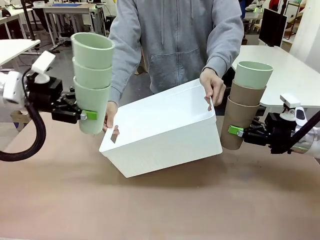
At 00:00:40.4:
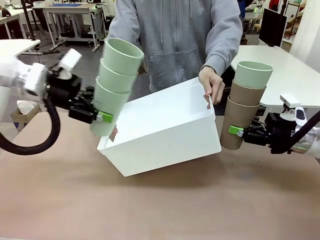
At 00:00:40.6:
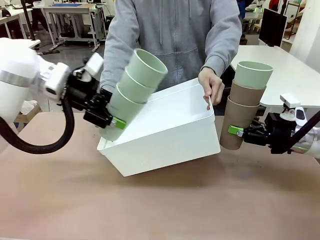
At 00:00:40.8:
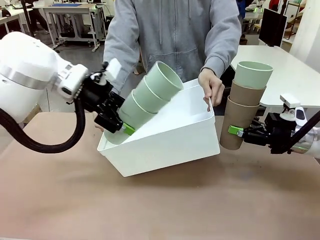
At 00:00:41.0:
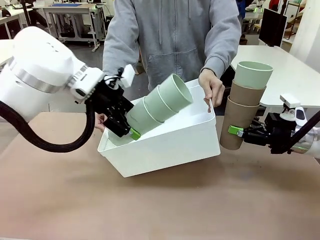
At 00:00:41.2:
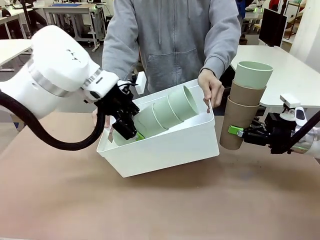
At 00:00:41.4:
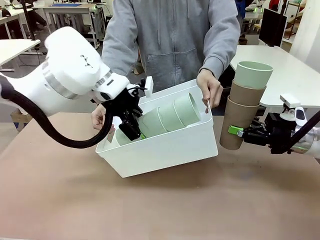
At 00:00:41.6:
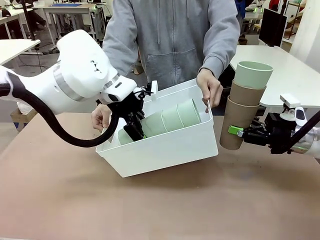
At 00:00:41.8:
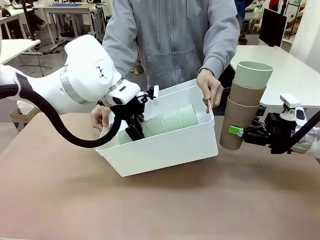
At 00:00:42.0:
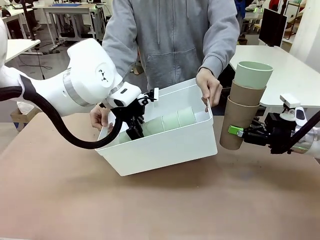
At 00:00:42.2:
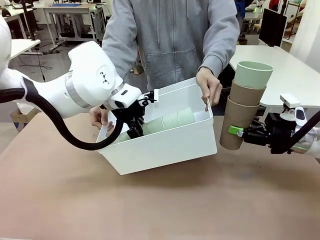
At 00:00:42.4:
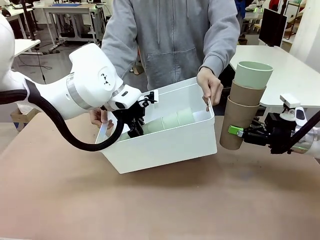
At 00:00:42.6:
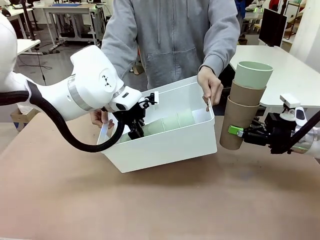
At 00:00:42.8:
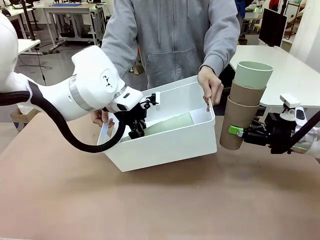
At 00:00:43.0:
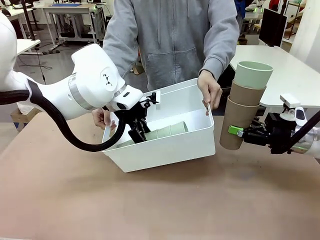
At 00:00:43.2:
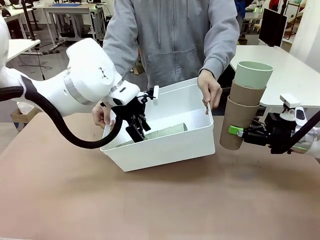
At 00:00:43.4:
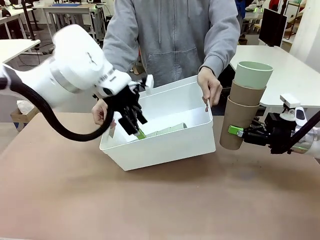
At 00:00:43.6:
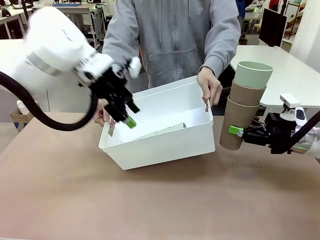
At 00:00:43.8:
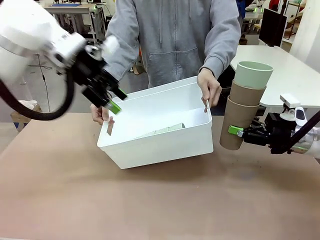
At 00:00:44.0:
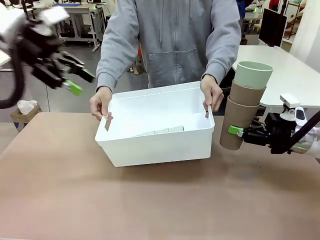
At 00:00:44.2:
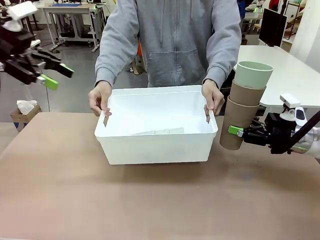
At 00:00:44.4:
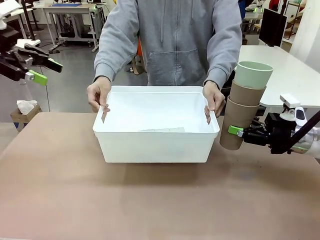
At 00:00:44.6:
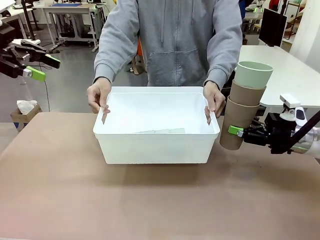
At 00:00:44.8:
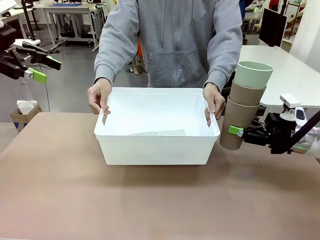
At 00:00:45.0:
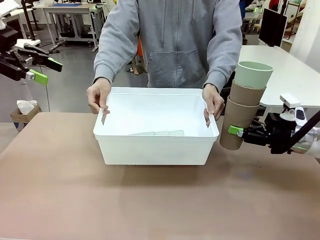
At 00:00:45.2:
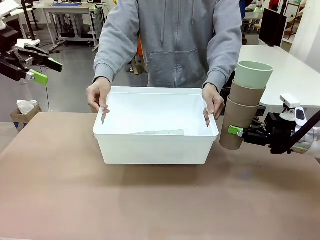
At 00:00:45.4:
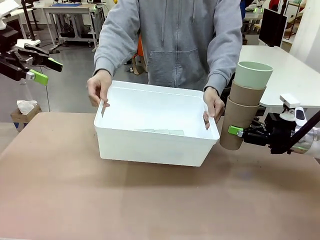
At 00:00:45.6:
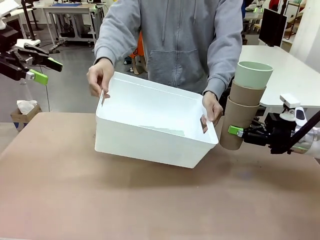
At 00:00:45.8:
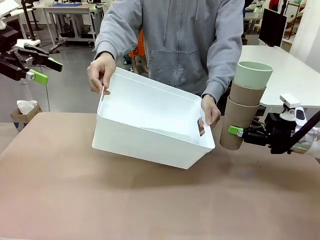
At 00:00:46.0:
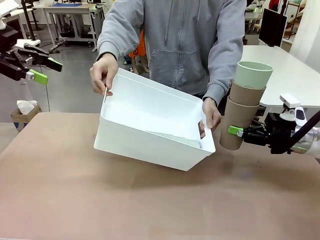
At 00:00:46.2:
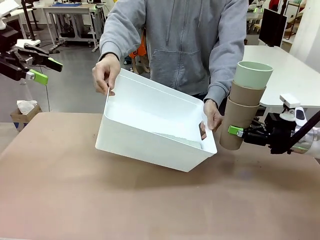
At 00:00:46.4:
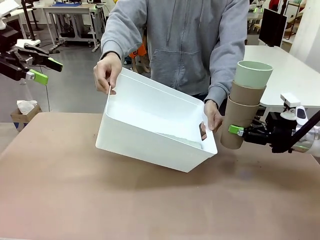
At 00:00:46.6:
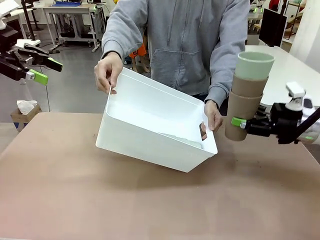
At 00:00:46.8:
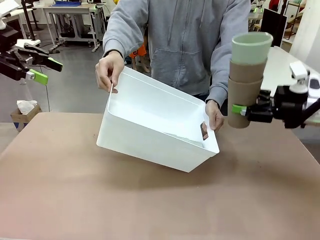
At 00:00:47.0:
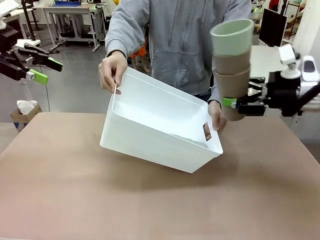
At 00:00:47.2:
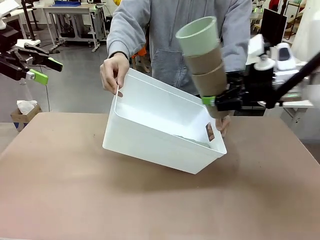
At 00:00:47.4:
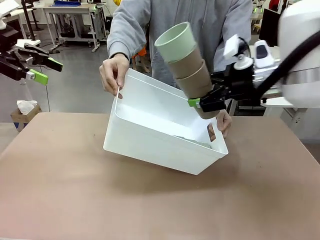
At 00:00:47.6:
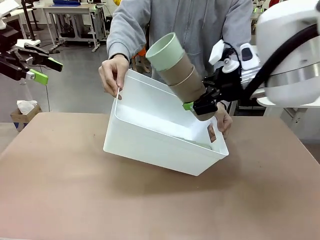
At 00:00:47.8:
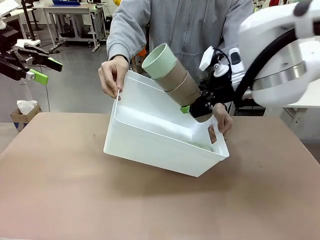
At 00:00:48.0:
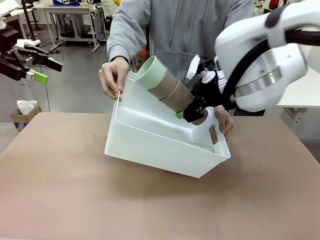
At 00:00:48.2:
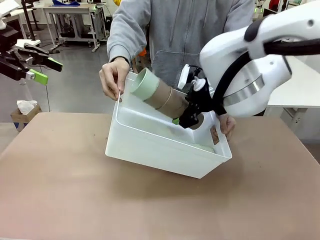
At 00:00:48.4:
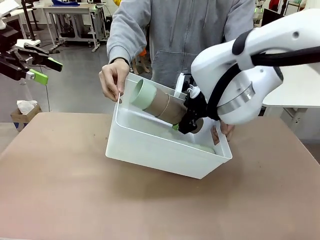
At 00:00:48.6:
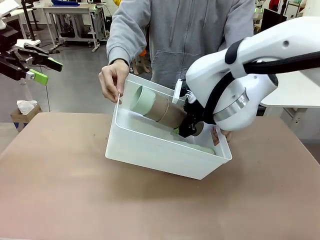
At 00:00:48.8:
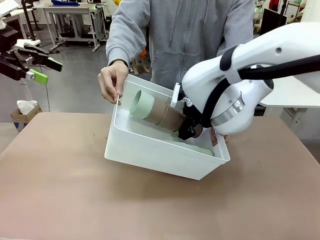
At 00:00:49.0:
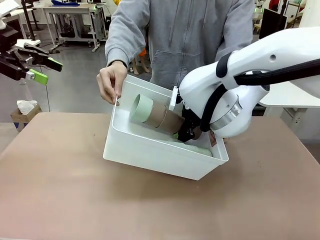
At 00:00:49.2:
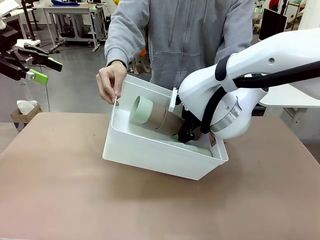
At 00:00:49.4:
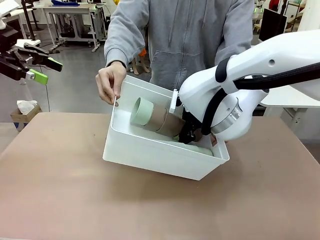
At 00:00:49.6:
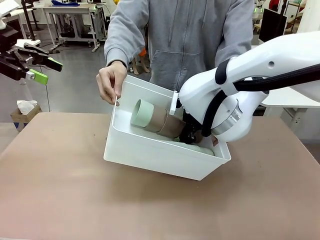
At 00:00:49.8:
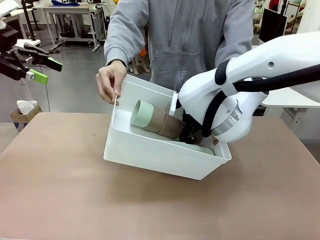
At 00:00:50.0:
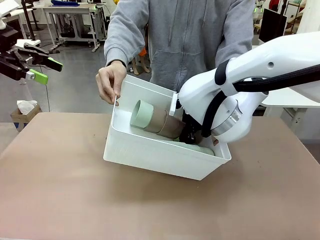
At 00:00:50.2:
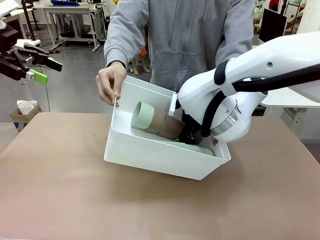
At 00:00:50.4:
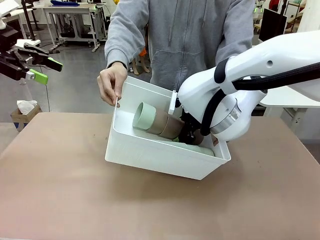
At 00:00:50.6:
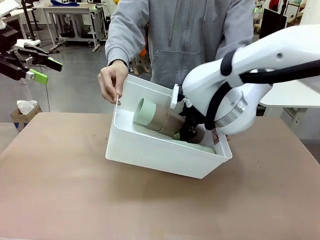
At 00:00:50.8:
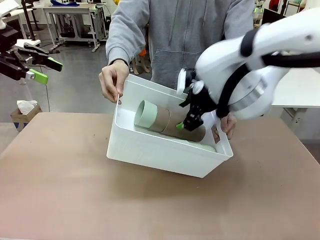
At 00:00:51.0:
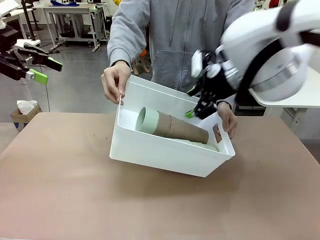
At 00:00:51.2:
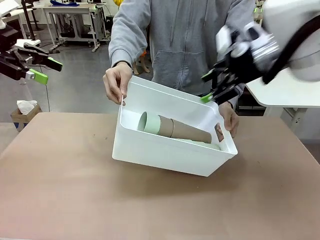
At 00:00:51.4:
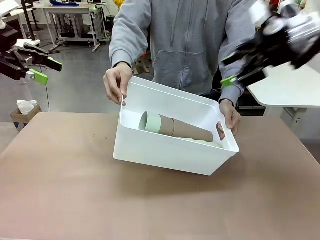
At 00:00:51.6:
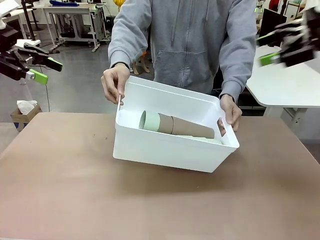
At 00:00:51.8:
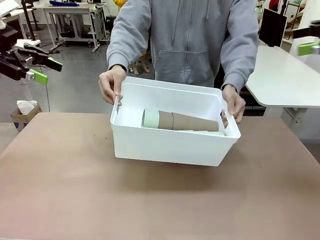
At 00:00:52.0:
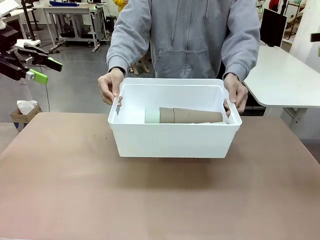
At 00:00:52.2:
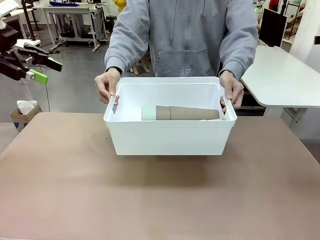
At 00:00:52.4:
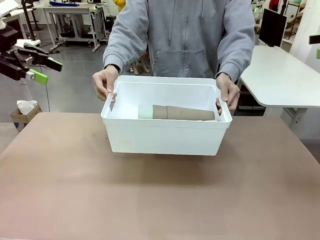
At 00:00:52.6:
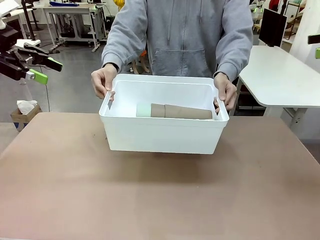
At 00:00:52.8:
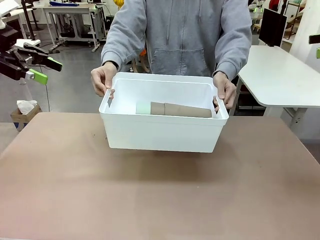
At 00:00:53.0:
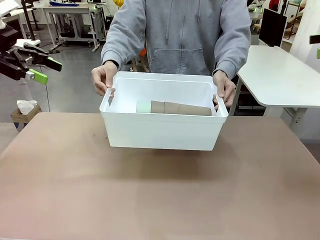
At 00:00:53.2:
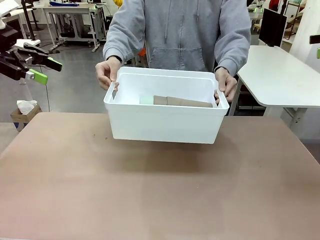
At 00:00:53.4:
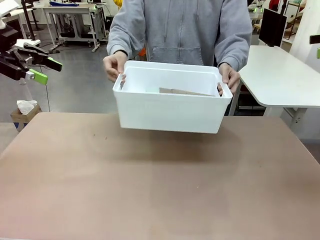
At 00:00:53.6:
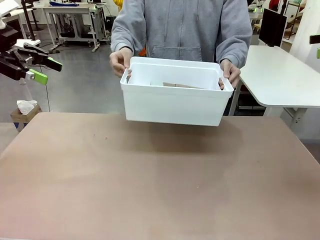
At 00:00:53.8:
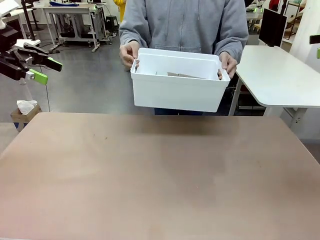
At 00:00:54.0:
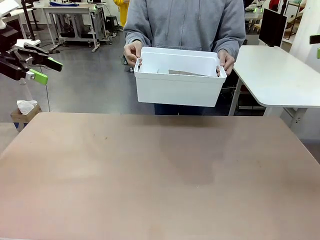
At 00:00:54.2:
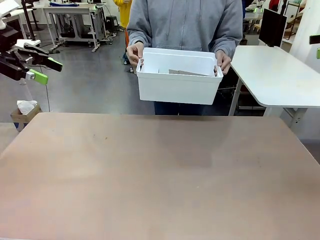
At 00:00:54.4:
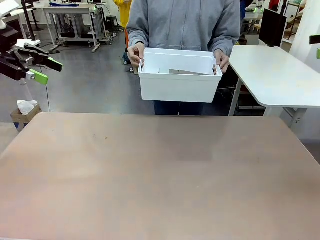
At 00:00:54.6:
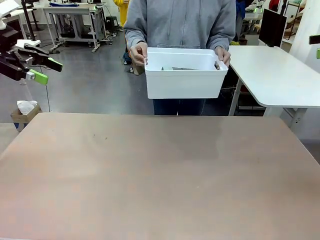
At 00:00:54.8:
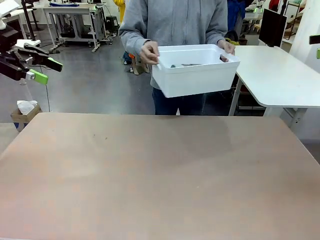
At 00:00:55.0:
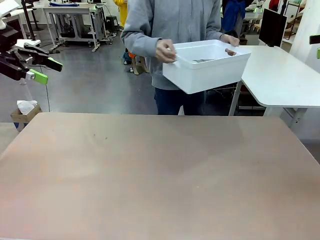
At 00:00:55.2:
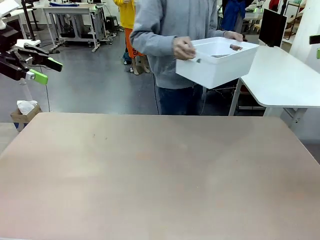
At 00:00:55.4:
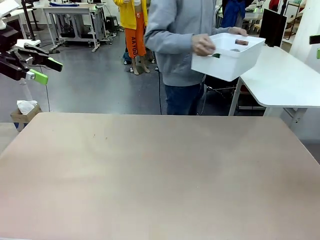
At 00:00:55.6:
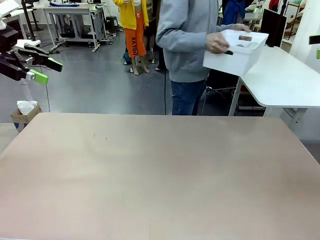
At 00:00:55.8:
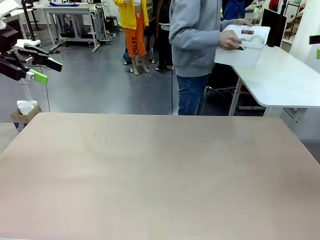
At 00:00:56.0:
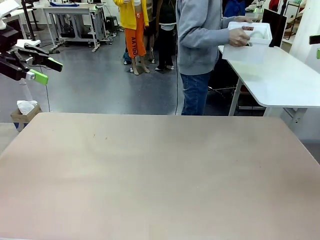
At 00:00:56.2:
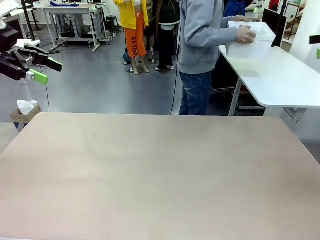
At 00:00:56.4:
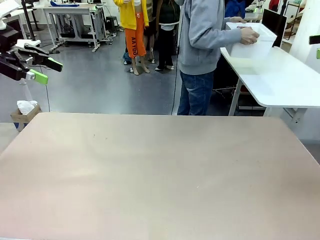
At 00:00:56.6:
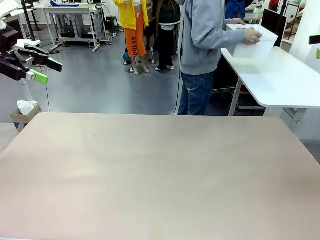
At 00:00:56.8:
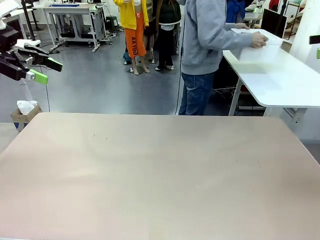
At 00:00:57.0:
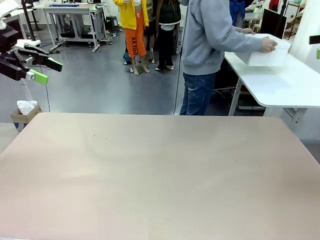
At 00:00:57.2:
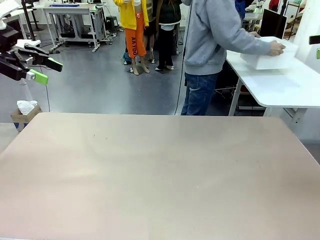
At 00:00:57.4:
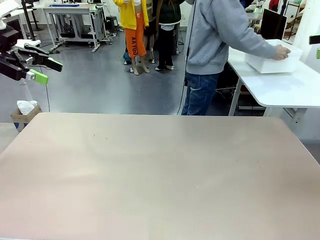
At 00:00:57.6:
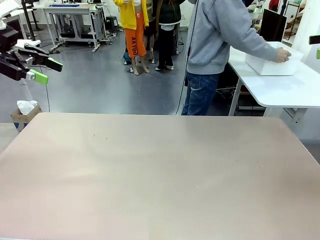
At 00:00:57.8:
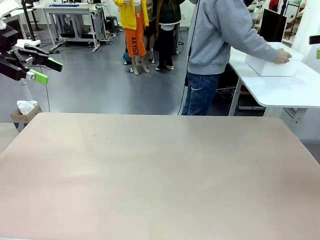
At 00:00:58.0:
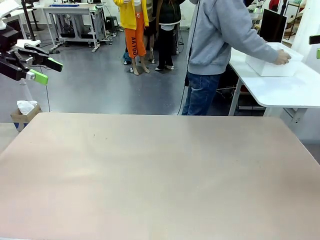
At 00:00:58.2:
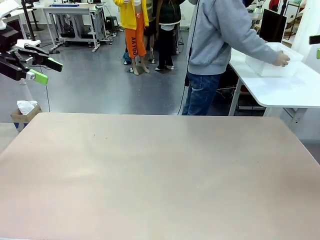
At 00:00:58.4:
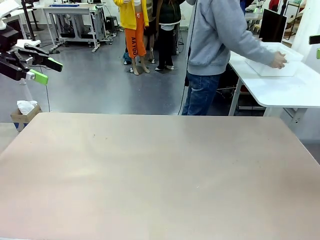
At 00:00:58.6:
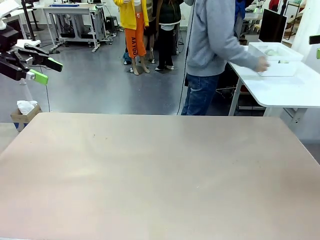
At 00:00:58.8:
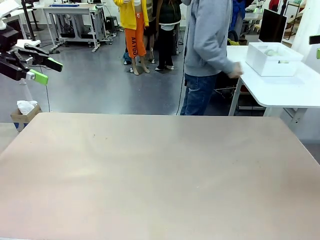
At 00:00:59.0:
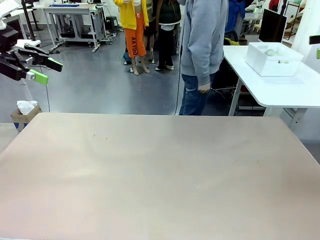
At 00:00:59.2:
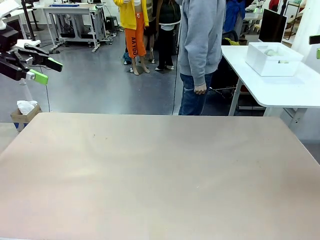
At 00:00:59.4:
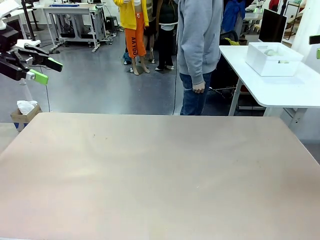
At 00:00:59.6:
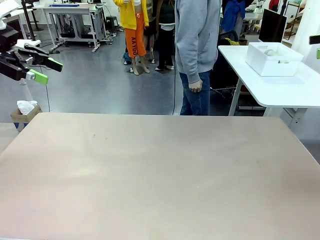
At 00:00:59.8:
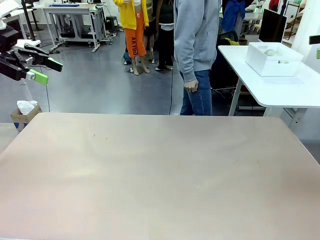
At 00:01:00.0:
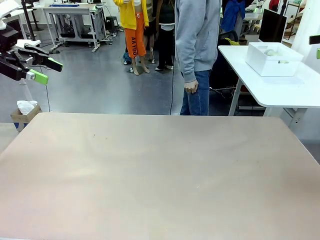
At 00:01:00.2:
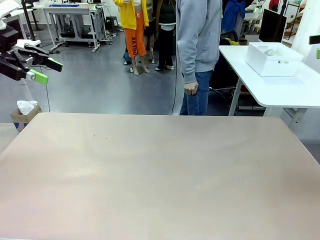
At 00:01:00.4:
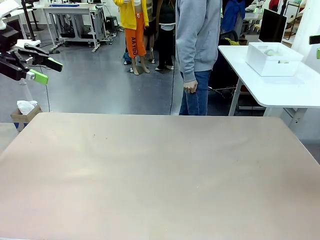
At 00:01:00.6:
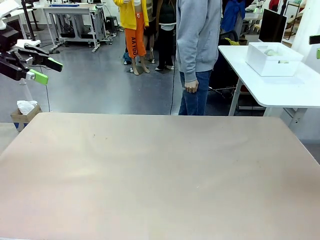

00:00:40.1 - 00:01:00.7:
Task: Stack the cups and store them in the basket.
Robot: Place the stack of Reusable plastic cups into the Pantry Basket.
Person: Place the basket containing the cups in the middle of the Human Table.
